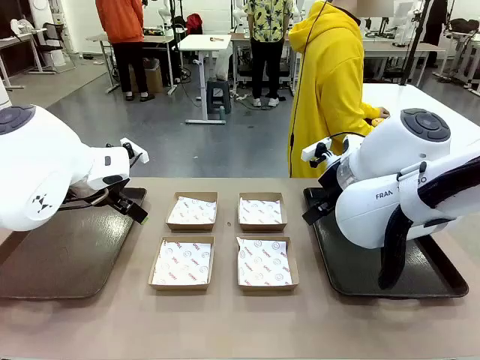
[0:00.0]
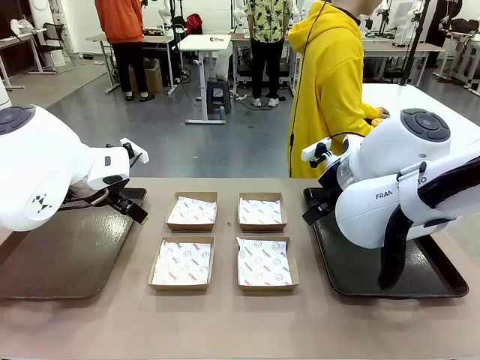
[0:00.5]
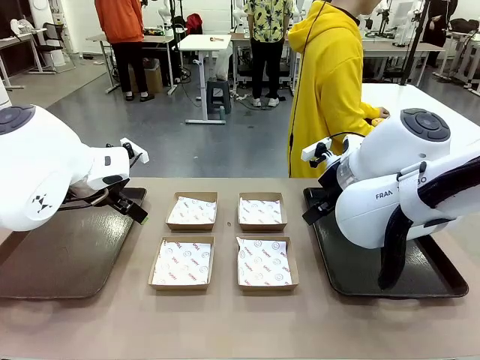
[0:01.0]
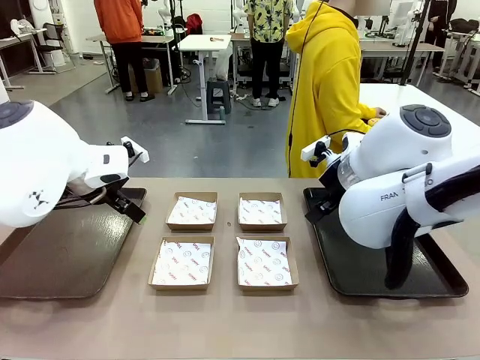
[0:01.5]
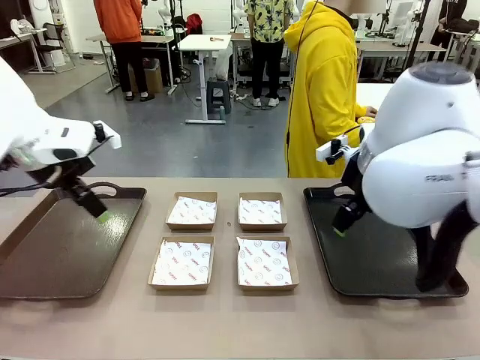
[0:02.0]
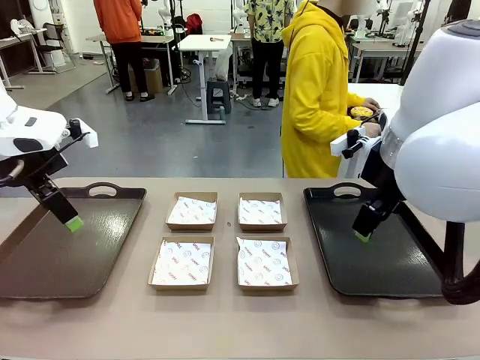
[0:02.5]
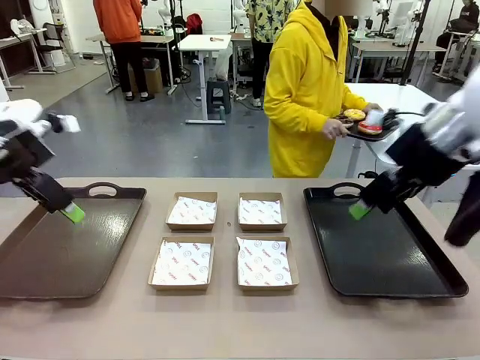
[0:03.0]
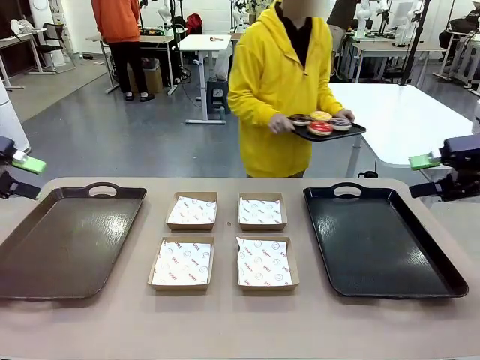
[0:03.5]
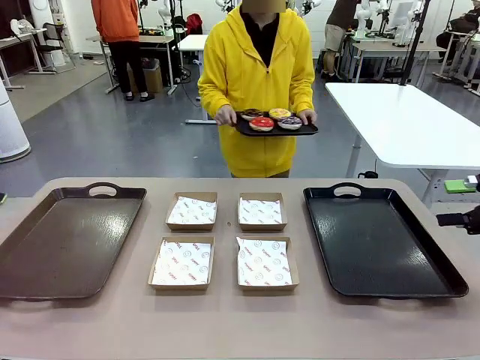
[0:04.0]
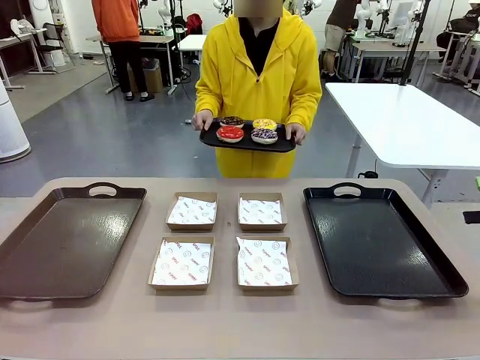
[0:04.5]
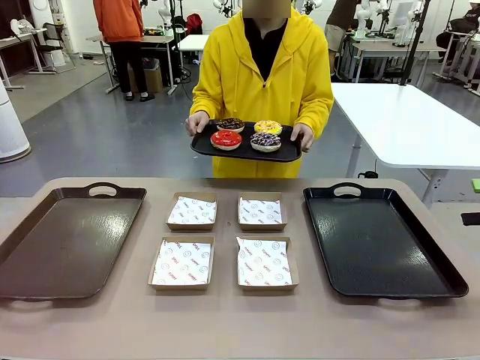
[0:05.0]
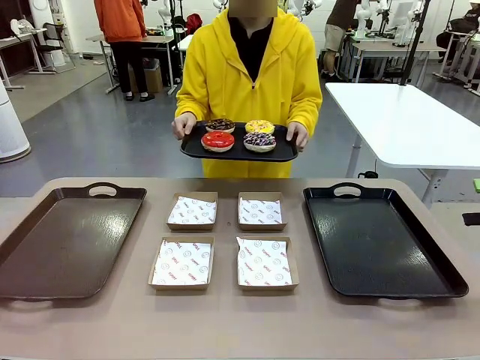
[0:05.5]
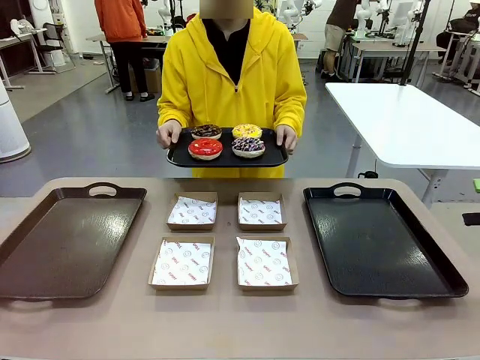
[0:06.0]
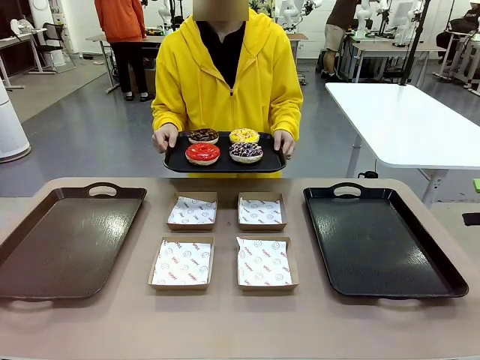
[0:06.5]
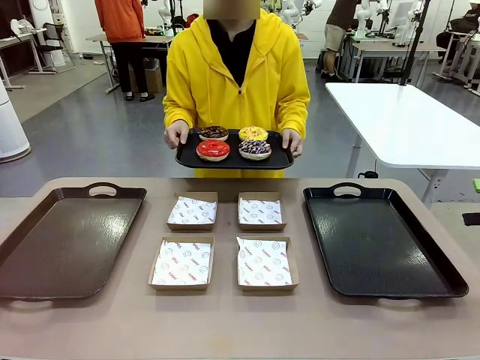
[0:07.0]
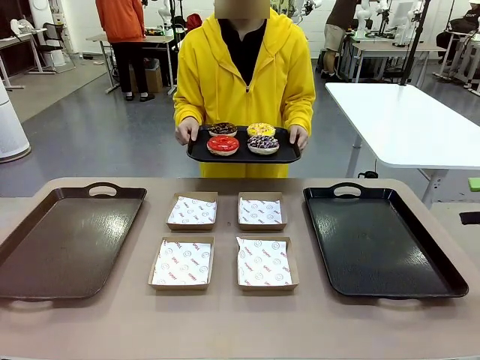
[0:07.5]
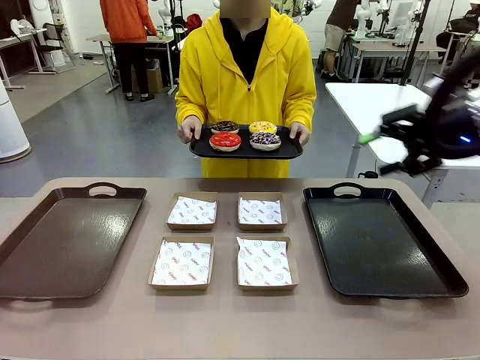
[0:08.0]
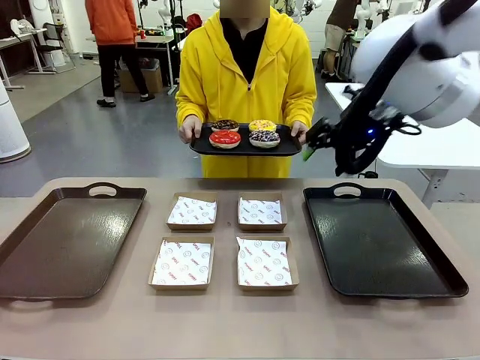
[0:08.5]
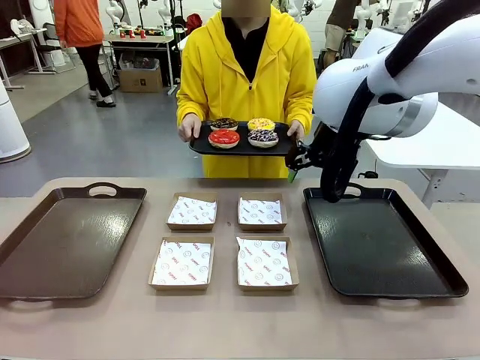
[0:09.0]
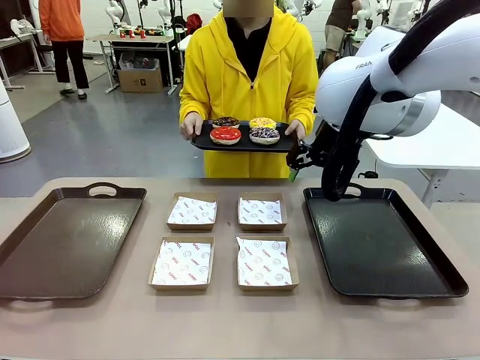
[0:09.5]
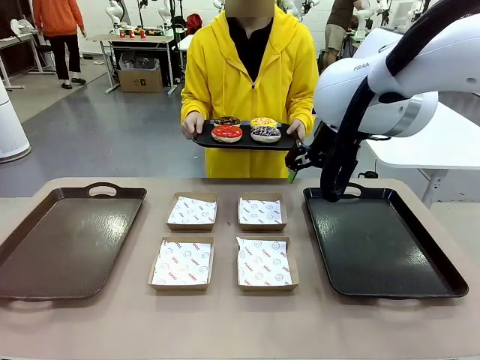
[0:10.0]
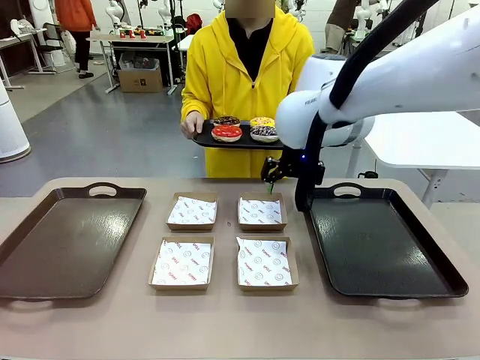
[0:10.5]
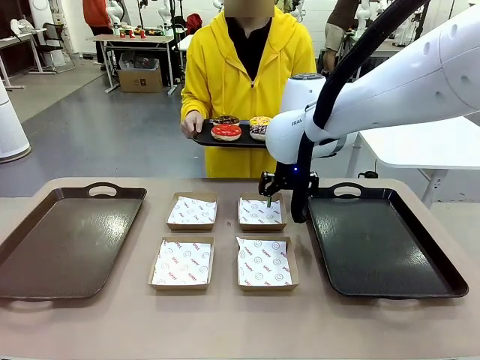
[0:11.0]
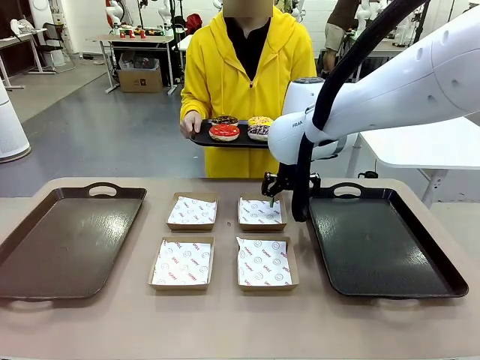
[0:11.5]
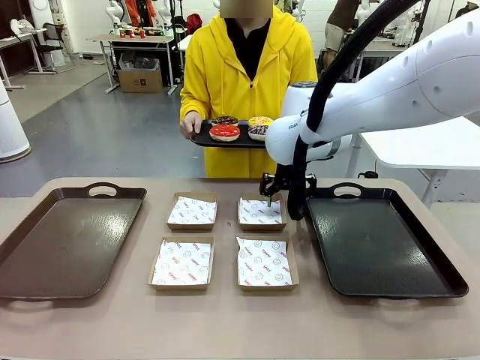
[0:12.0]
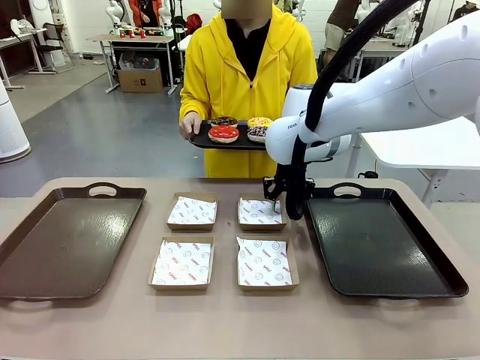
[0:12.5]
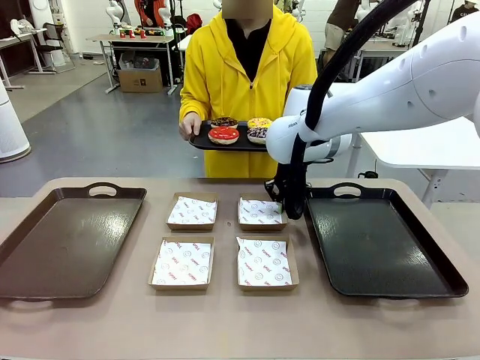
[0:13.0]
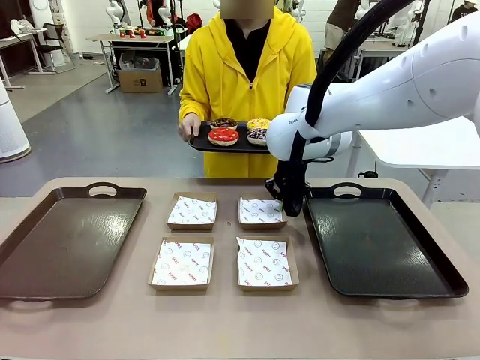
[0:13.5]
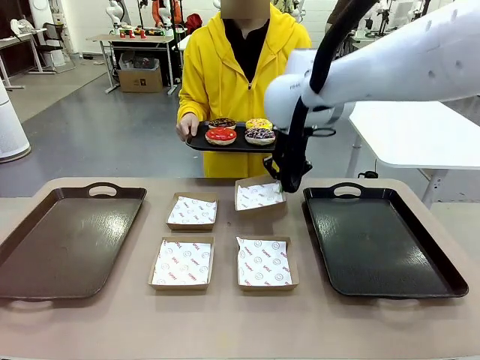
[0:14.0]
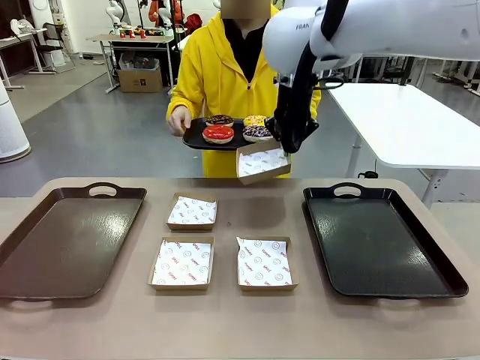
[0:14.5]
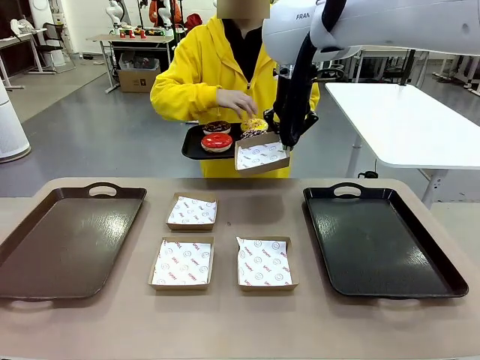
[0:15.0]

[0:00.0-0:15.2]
Task: Individually package the donuts and arrange them on the tray.
Robot: Pick up one Paper togo box.
Person: Stand in front of the robot table holding the tray containing the donuts.

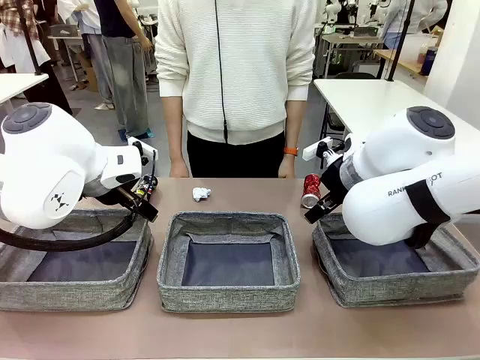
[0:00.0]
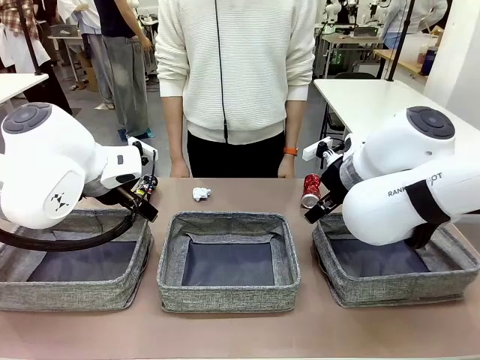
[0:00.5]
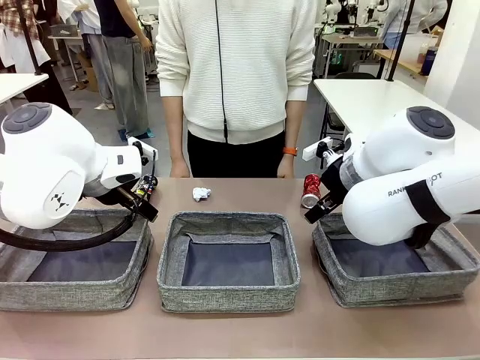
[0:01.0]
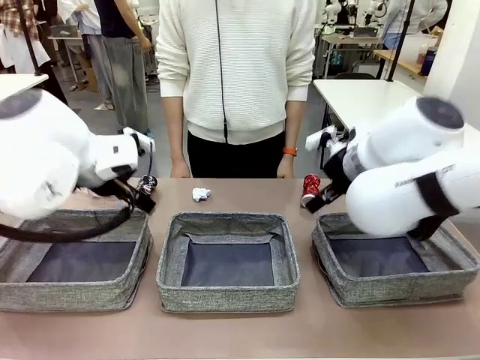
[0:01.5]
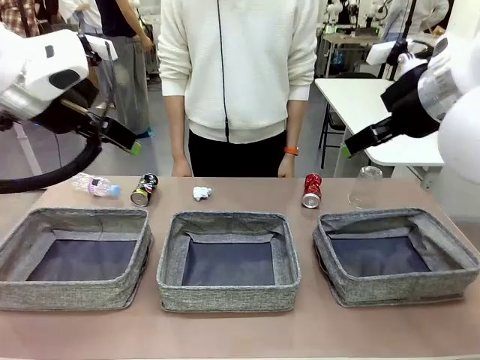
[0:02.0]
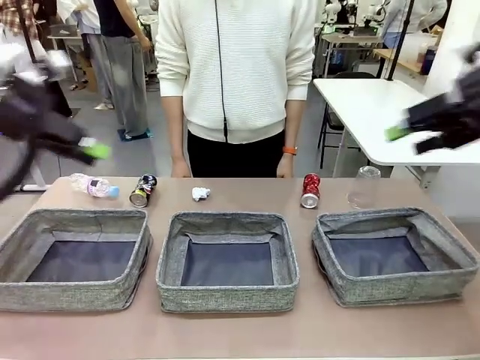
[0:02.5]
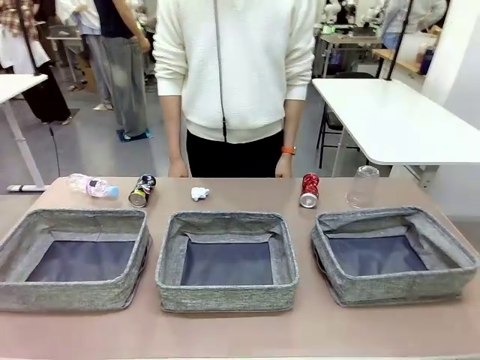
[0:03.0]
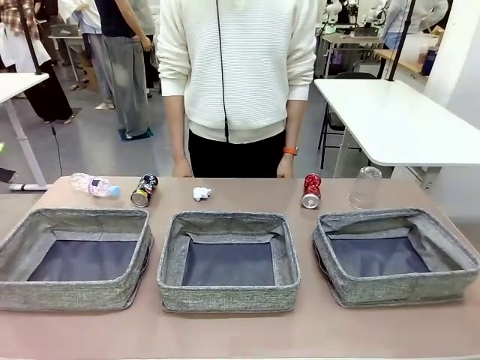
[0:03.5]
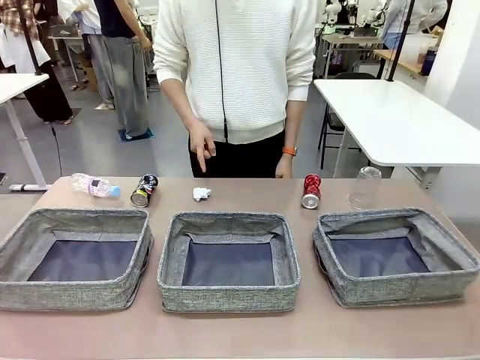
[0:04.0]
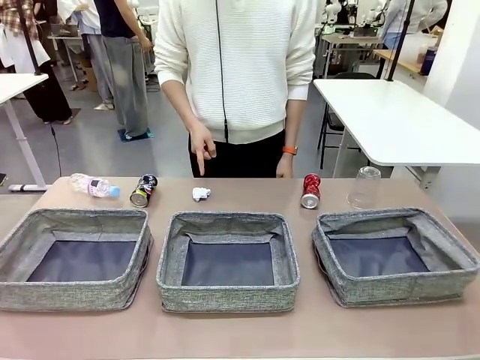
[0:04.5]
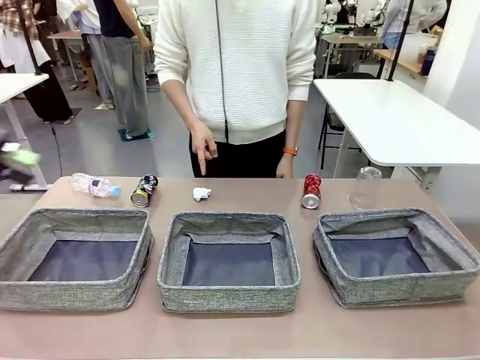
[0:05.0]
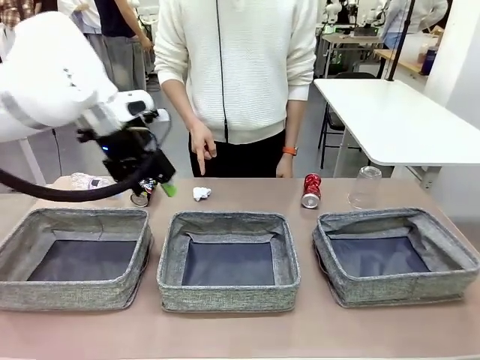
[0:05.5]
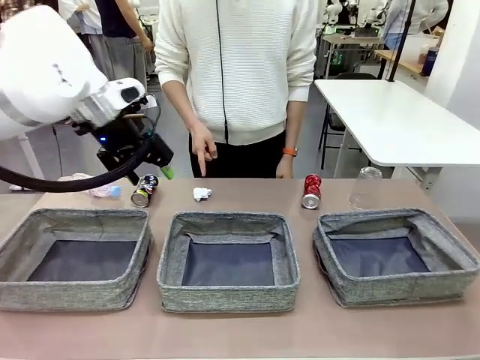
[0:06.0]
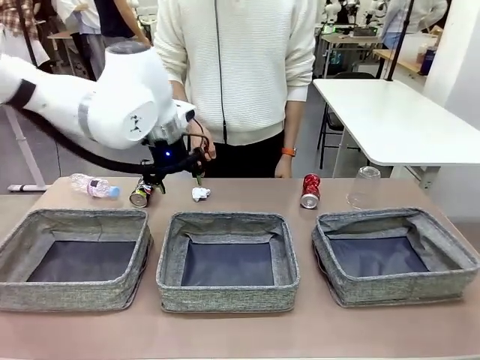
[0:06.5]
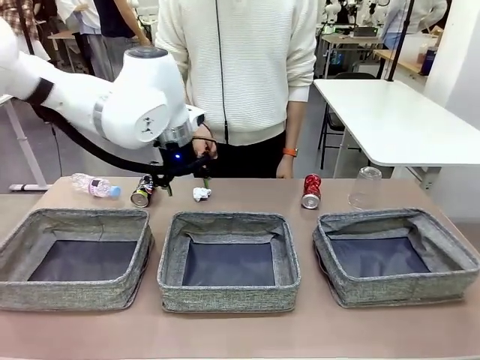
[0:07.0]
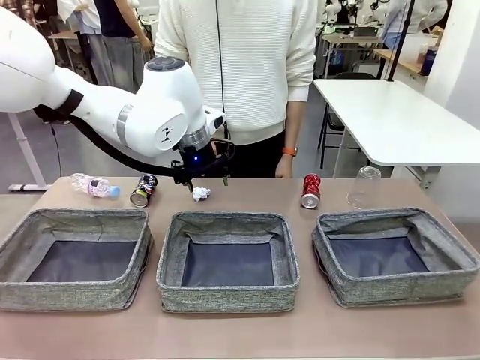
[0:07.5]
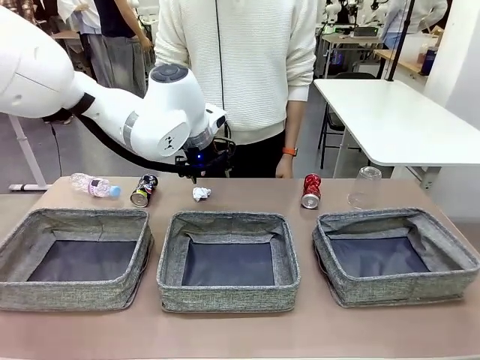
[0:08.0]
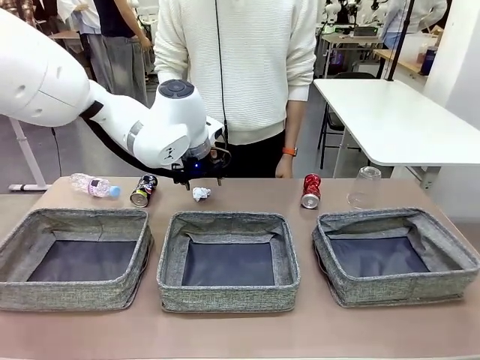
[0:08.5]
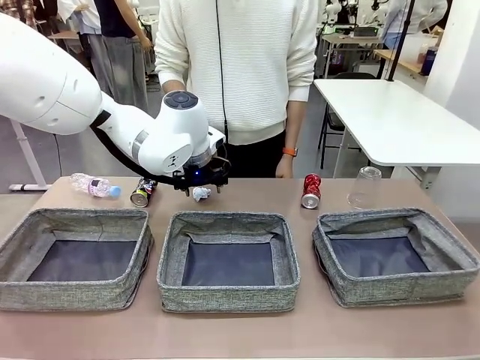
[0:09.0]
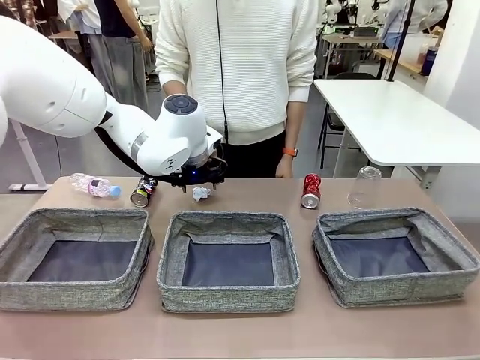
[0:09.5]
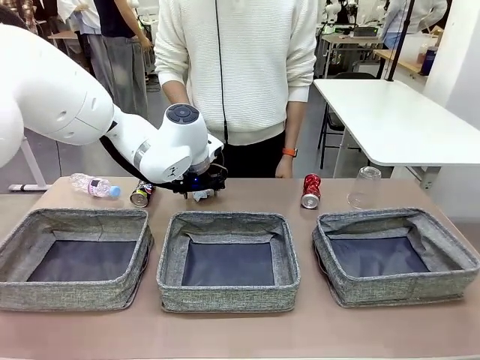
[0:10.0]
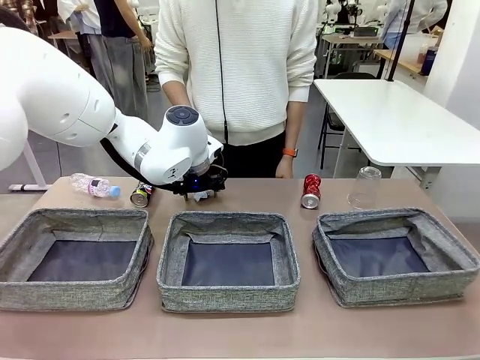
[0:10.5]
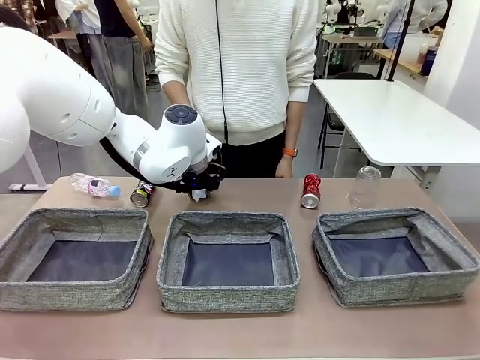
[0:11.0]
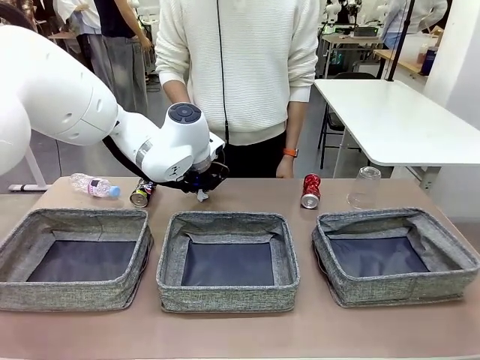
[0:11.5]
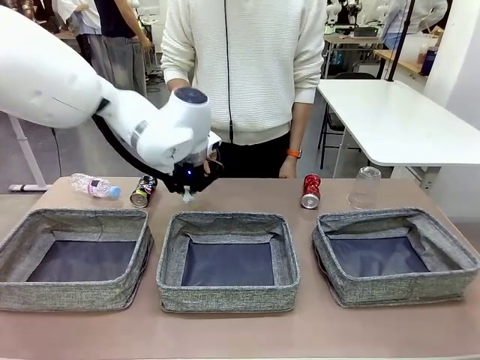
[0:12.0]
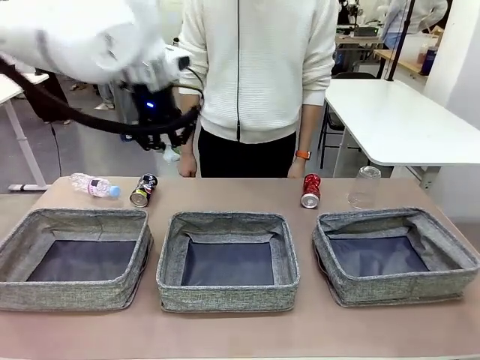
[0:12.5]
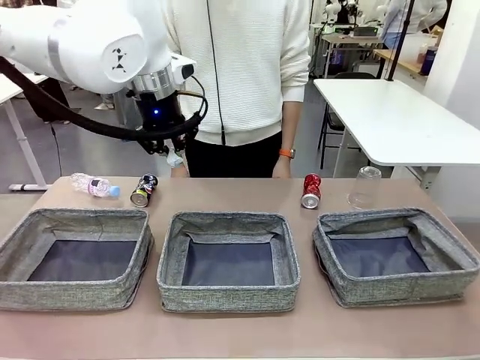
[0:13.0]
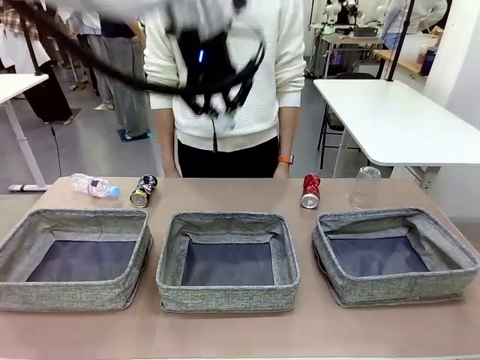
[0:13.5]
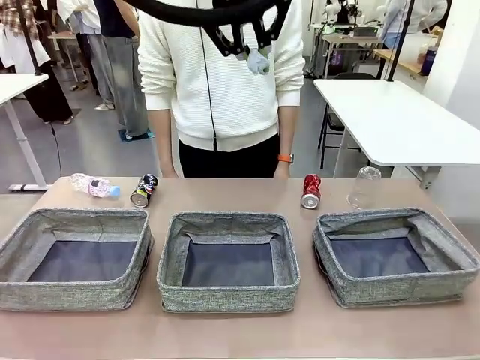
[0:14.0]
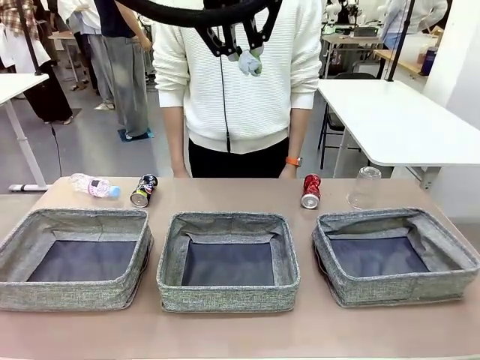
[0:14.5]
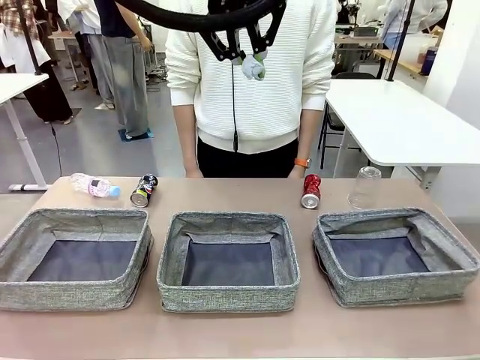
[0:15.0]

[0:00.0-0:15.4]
Task: Sort the waste into the appropriate baskets.
Robot: Pick up the waste item pointed out by the person.
Person: Points to one piece of trash on the table.
